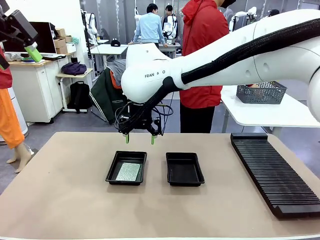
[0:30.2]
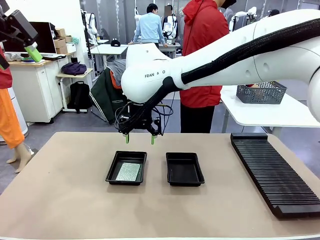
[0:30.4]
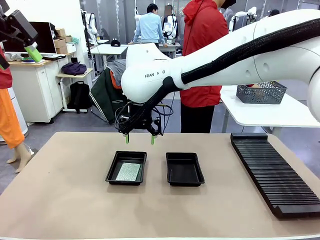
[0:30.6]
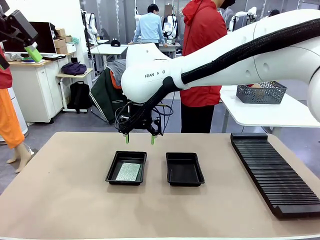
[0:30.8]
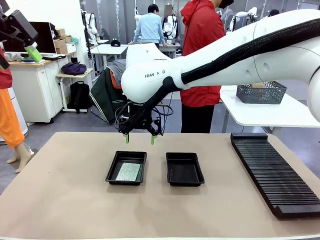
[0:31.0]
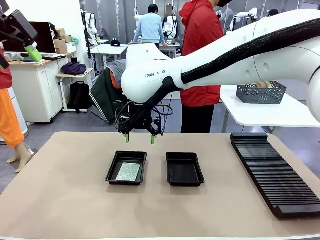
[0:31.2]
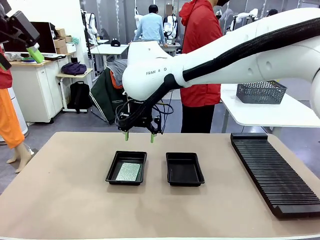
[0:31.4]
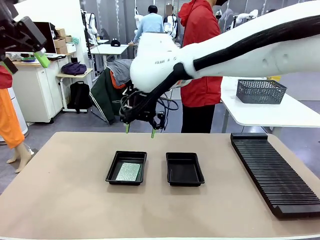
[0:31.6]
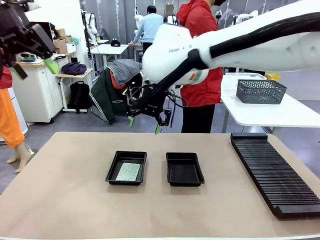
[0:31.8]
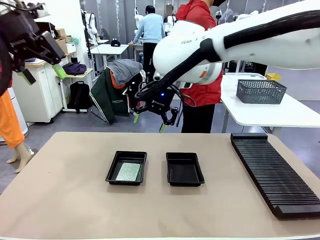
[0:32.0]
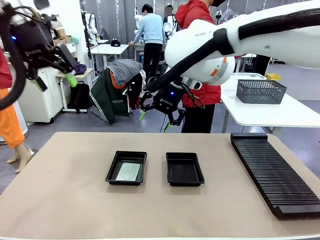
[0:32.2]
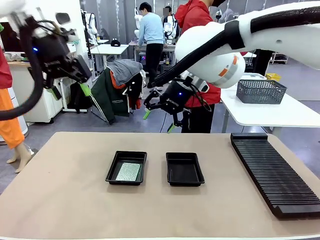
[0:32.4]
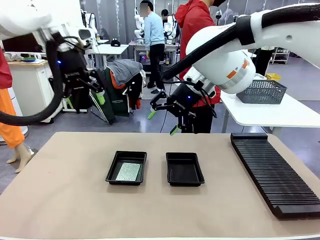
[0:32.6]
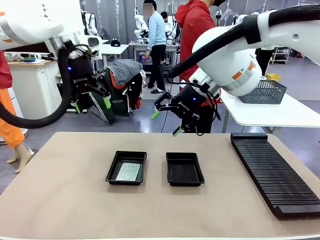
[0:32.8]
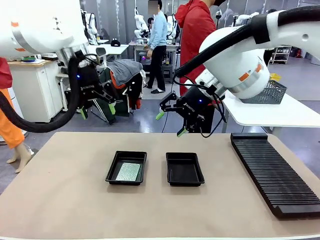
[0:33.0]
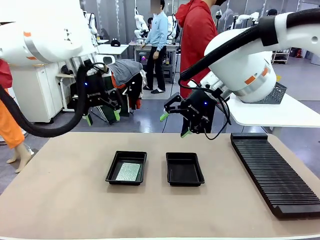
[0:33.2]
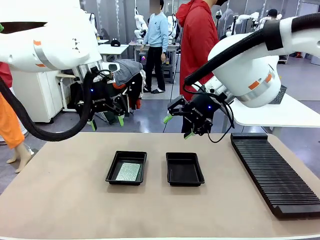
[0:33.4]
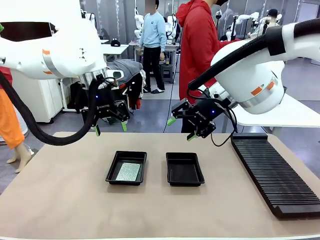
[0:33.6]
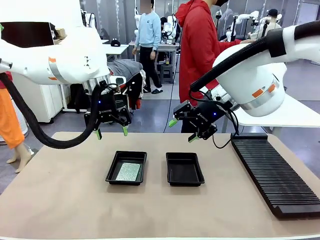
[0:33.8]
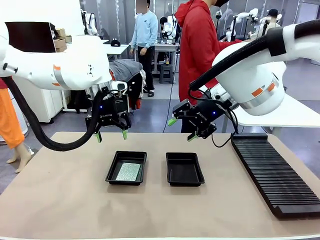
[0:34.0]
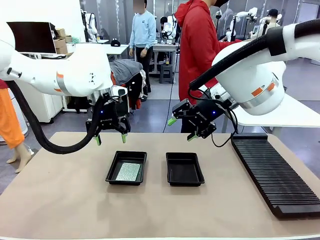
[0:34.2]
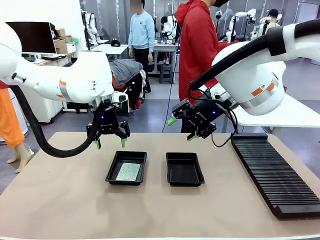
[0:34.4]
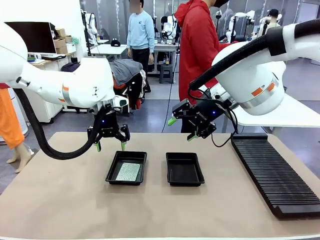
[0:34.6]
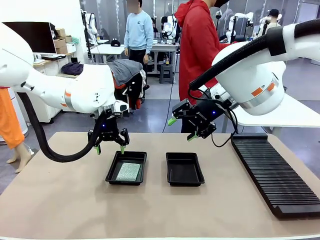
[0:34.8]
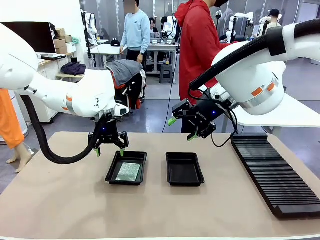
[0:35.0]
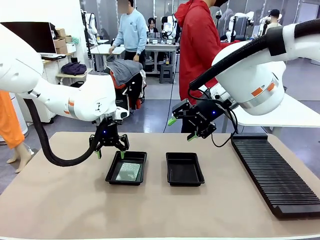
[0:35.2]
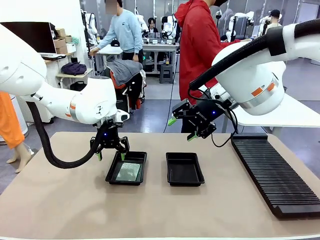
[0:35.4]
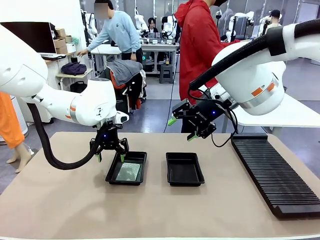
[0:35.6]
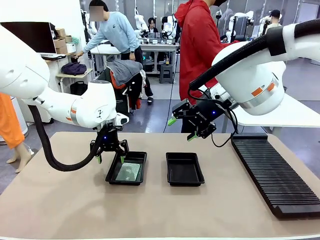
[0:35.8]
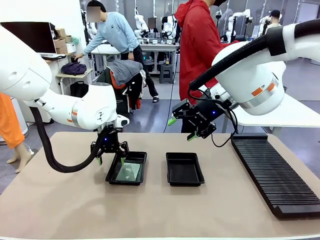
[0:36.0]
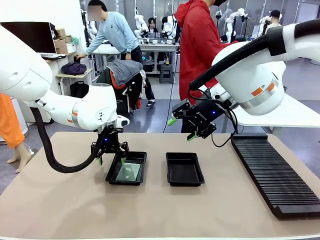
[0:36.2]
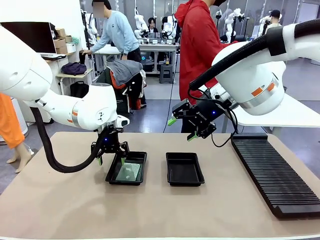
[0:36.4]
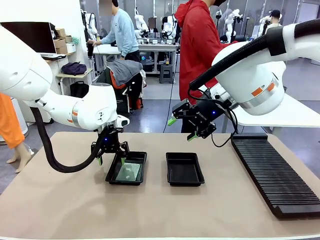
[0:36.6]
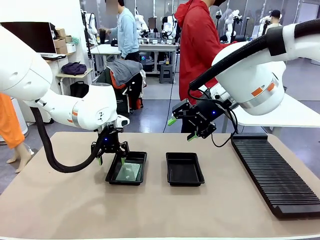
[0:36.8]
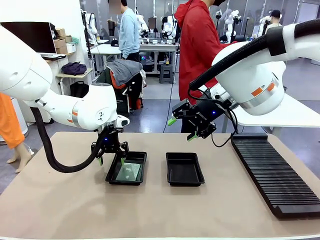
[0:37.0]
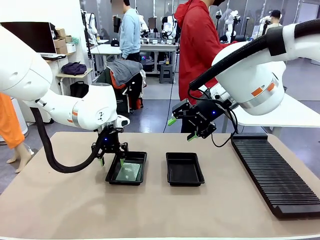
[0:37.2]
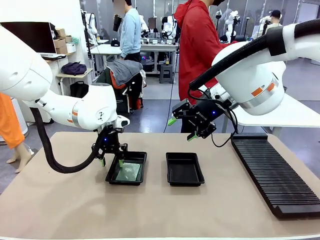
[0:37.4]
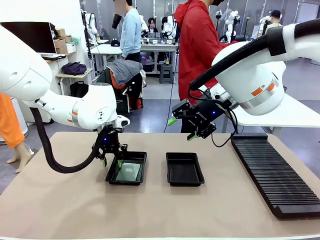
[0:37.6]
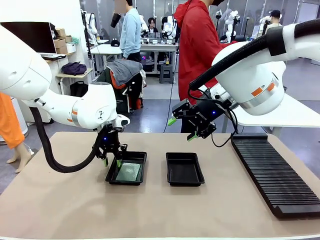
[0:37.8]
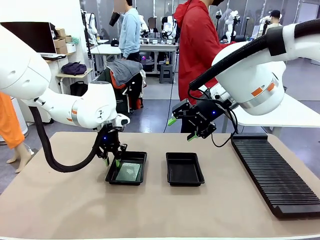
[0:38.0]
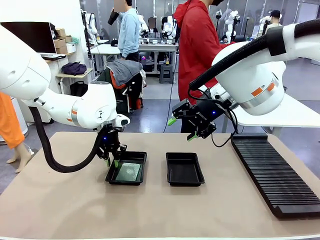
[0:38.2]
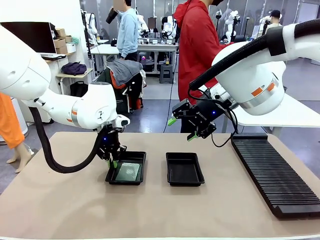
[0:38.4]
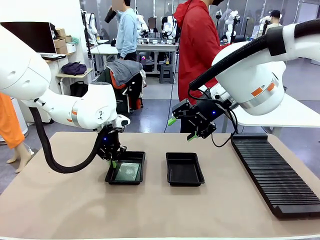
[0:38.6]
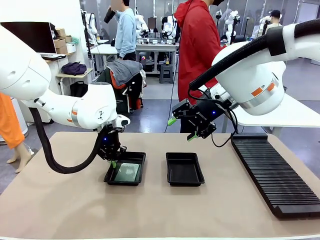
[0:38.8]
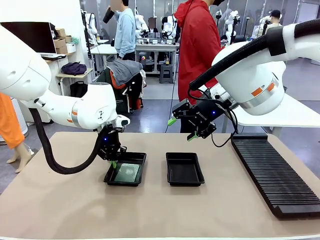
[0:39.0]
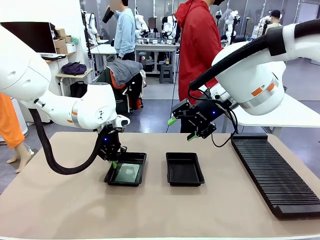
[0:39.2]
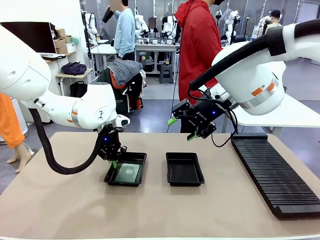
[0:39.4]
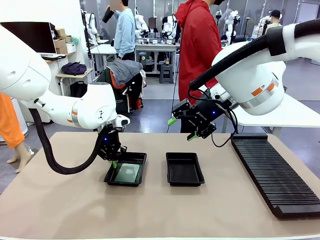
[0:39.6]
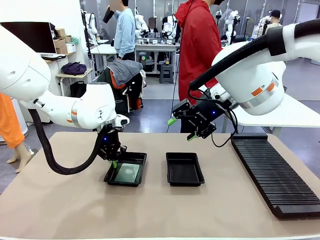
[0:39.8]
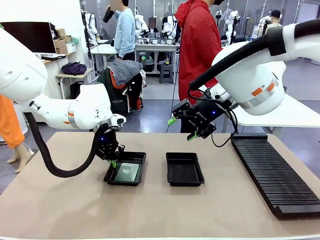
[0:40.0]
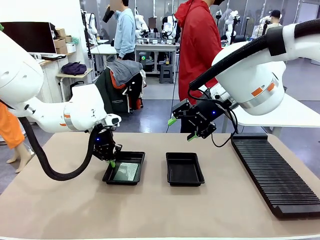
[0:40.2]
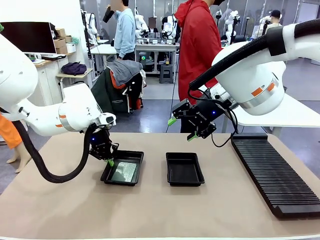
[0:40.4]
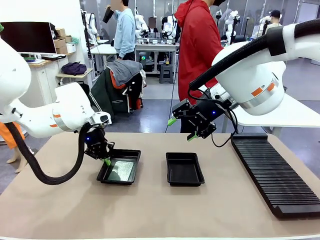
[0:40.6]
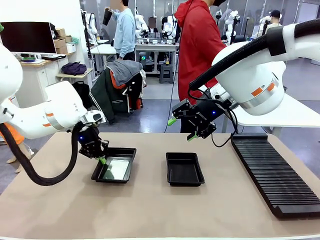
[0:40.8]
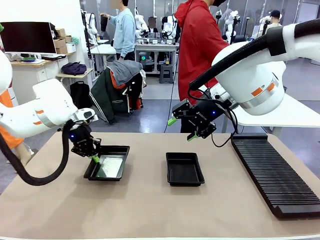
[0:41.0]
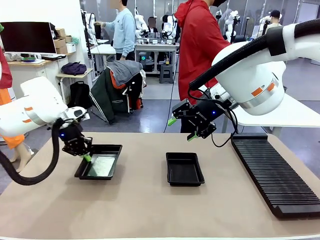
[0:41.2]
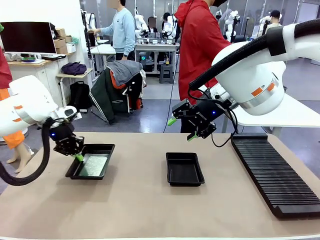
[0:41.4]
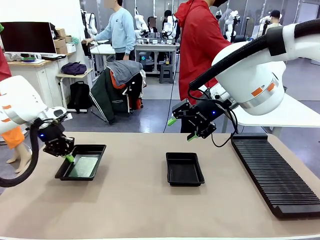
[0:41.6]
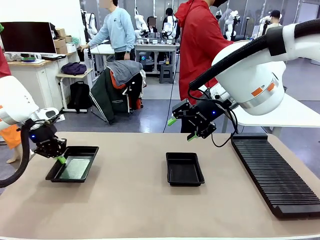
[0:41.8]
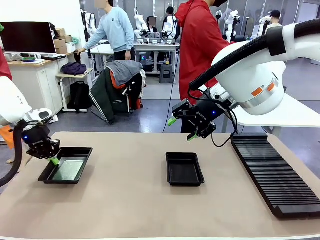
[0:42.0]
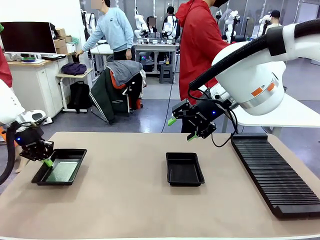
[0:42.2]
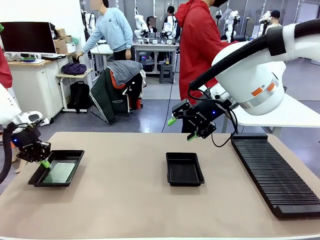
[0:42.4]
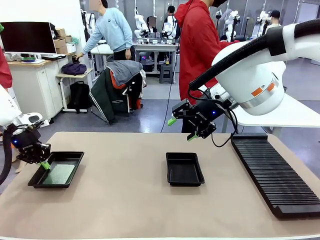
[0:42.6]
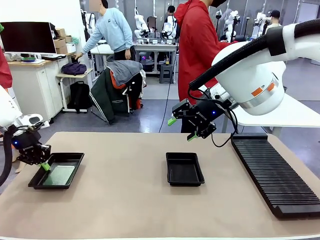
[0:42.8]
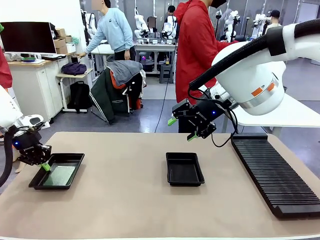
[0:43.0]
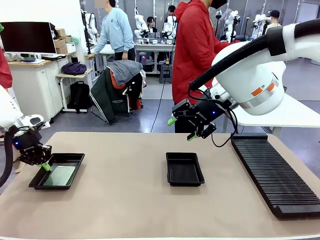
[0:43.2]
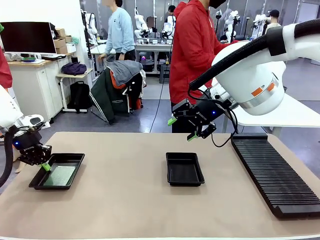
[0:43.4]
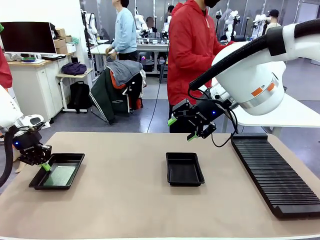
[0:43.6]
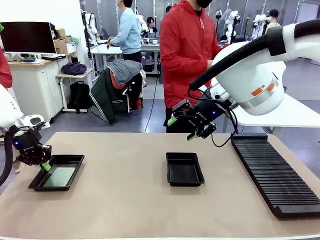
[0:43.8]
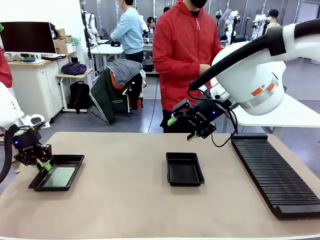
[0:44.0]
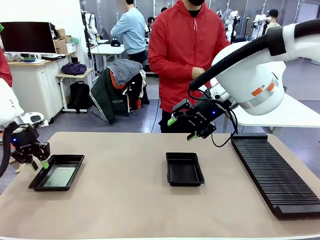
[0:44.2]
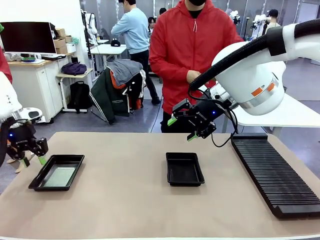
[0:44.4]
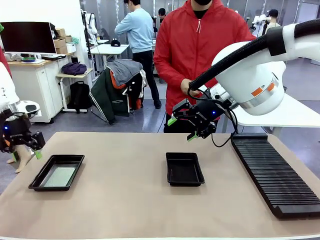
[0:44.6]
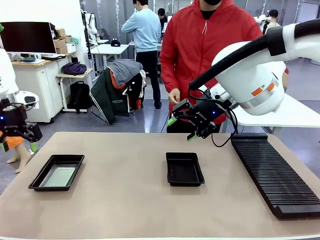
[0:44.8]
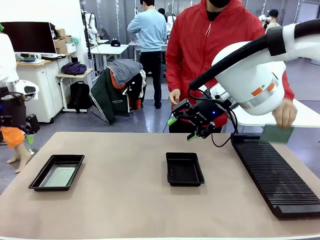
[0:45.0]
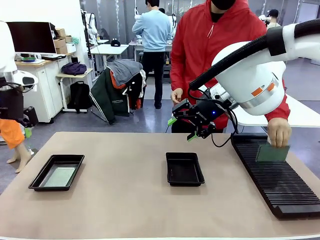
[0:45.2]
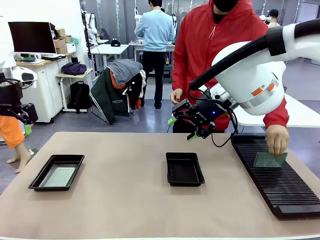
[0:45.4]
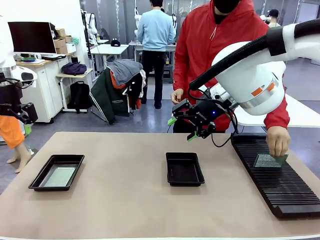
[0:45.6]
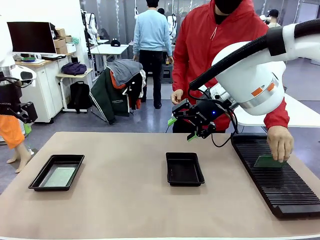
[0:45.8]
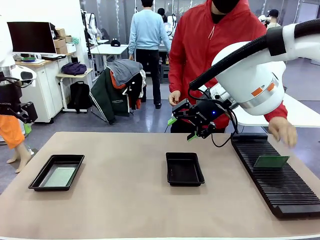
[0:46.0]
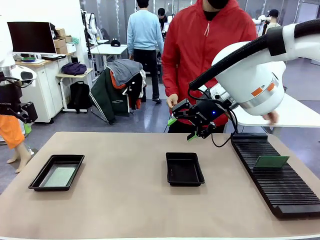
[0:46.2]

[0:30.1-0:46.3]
Task: Inspect and transfer BCBs to ESD trays.
Robot: Pick up the ESD tray and place it on the left side of the table.
